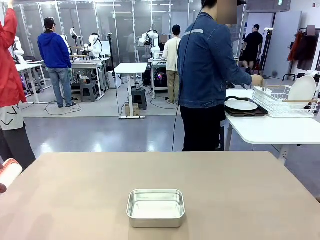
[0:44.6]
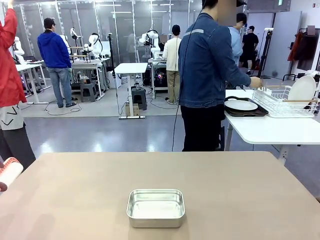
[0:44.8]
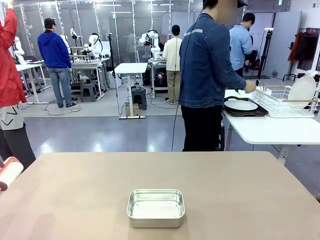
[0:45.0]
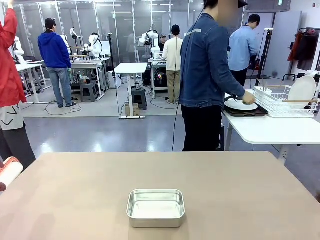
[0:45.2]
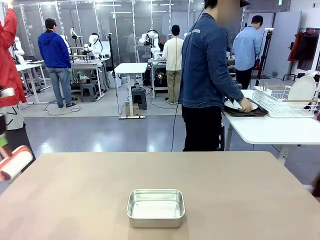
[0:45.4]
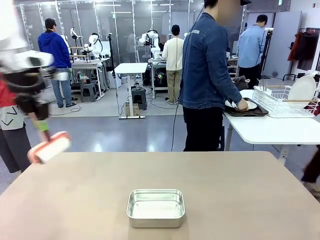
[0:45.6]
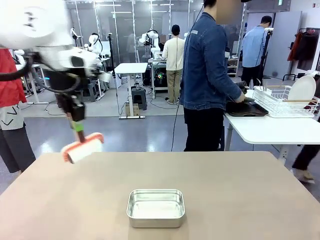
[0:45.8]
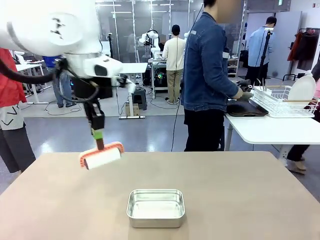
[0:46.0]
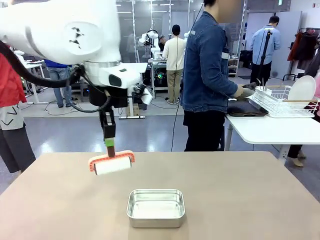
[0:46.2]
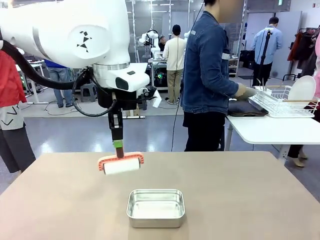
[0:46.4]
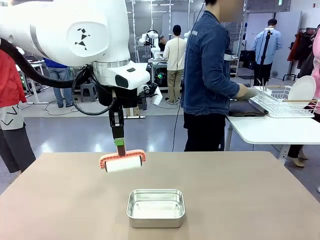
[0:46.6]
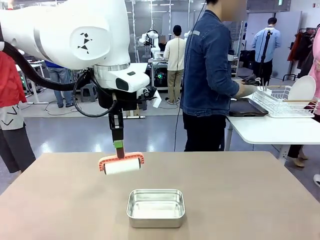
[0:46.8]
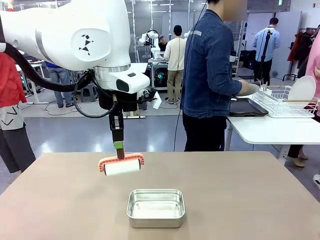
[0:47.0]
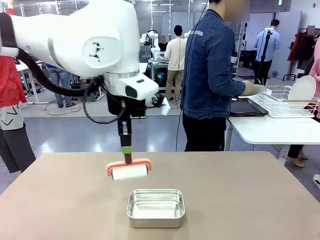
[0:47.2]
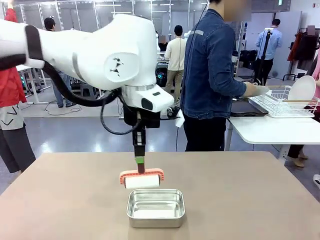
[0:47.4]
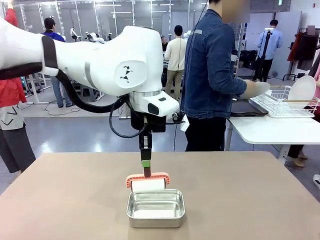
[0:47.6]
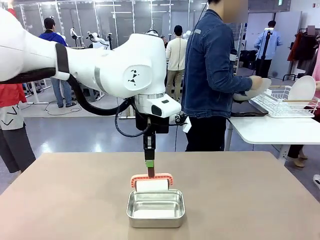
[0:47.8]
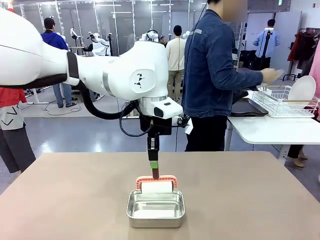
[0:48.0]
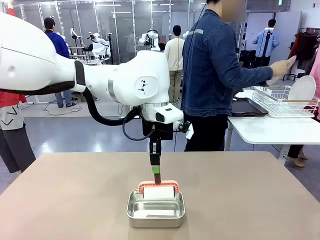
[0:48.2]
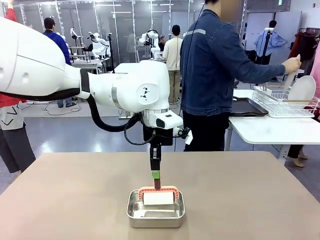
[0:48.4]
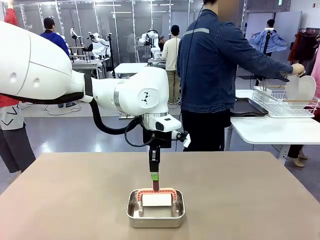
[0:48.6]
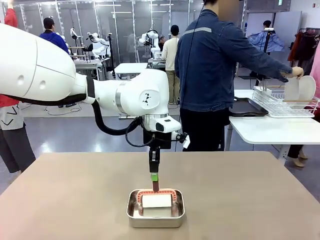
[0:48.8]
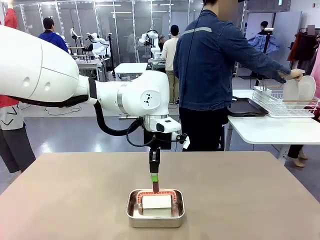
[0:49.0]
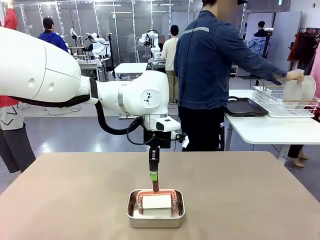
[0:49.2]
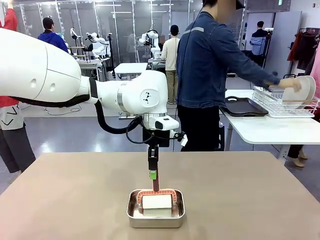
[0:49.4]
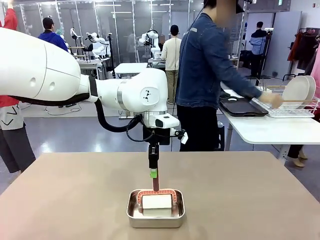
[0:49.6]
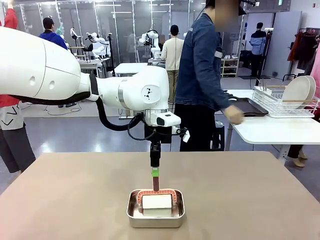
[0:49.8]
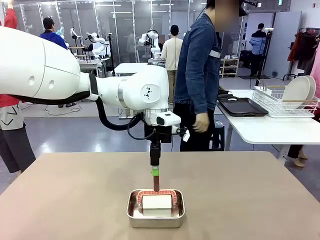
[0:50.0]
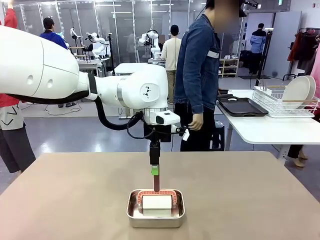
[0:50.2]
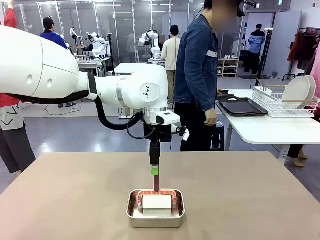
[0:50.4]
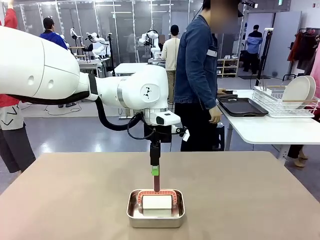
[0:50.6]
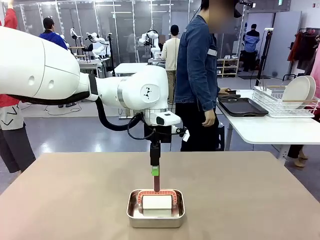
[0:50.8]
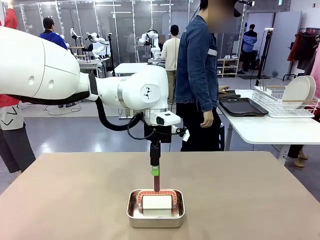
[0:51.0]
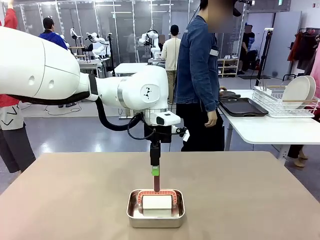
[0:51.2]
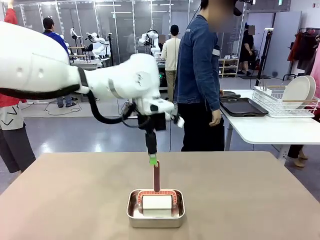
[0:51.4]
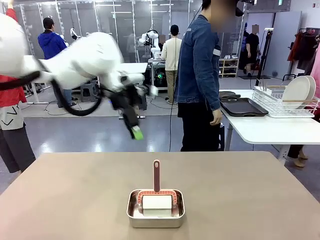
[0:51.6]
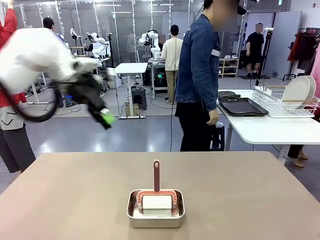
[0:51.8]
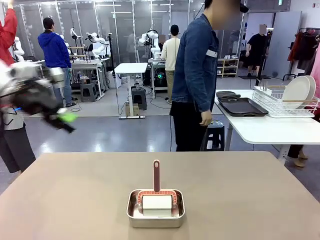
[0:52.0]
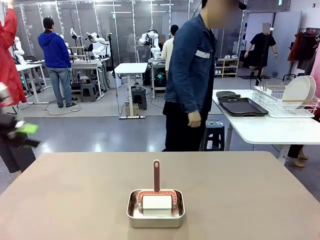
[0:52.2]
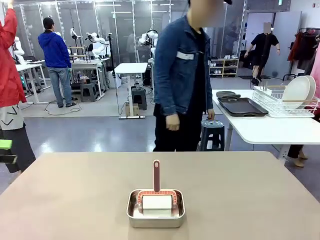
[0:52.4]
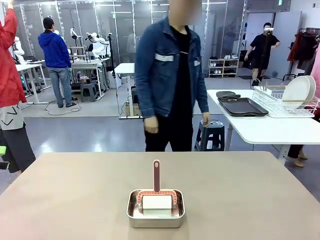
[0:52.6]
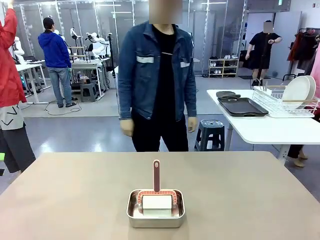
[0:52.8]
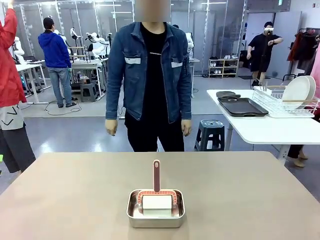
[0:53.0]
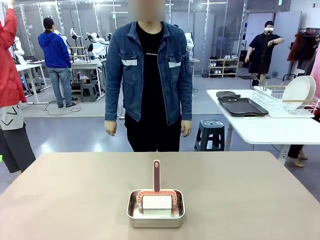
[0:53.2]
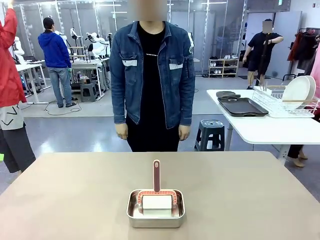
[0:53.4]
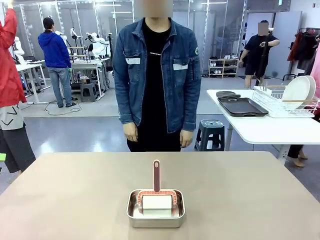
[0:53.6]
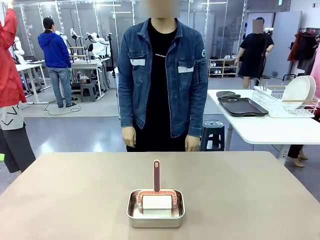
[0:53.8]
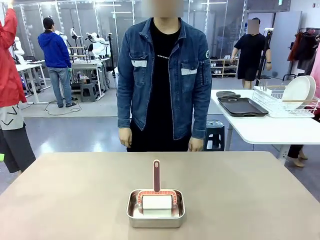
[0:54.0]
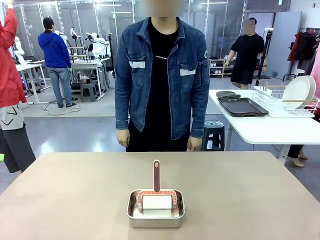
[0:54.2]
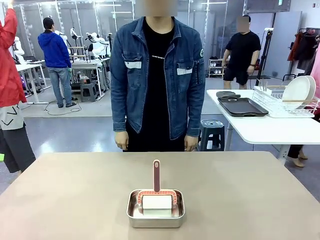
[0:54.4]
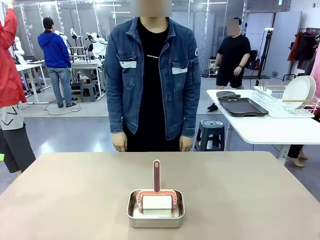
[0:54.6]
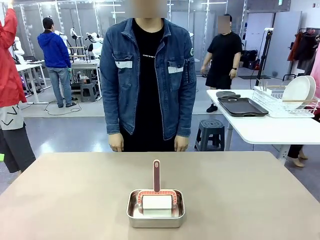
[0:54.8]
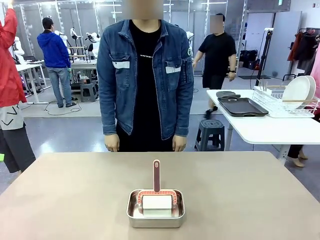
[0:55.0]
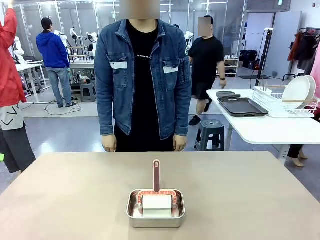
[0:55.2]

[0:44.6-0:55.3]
Robot: Place the Lint Roller back on top of the Airtight Container.
Person: Use the Towel with hook to wipe the Plastic Matte Plate , Fork , and Knife and place into the Dish drying rack.

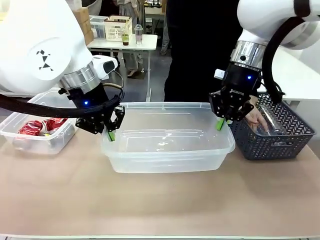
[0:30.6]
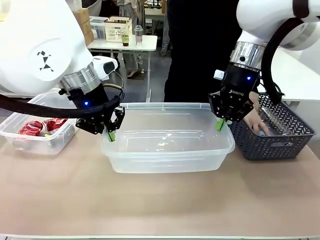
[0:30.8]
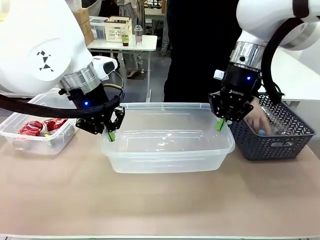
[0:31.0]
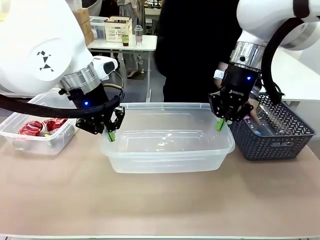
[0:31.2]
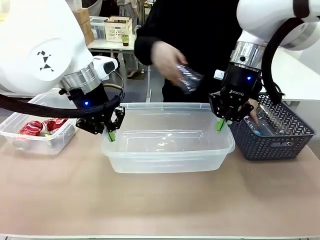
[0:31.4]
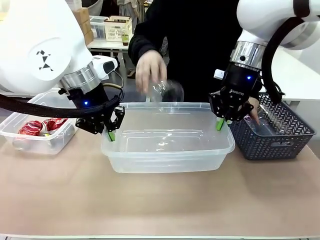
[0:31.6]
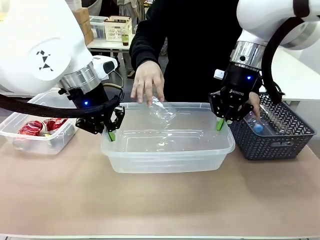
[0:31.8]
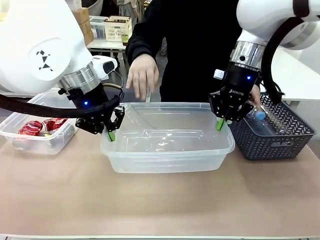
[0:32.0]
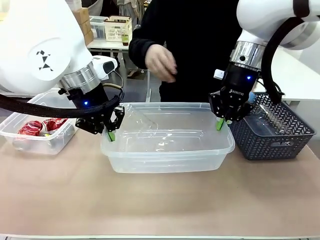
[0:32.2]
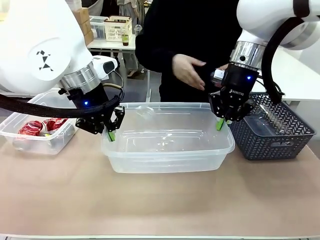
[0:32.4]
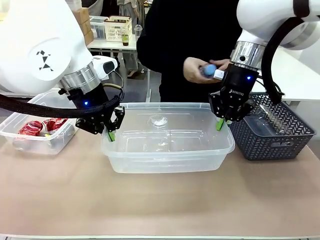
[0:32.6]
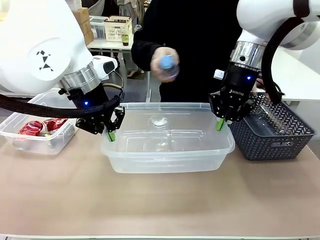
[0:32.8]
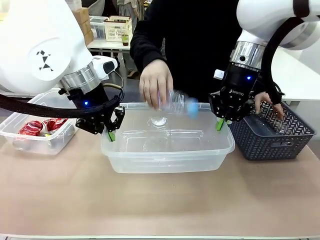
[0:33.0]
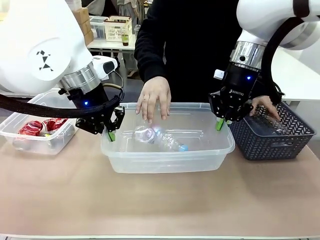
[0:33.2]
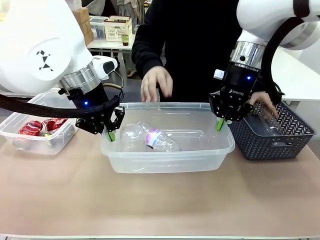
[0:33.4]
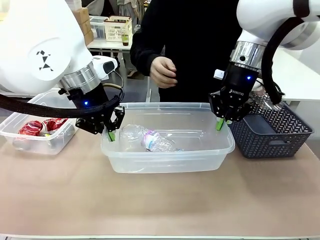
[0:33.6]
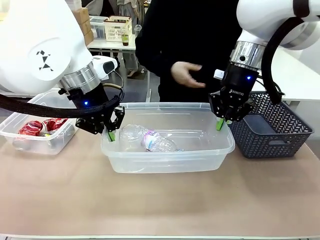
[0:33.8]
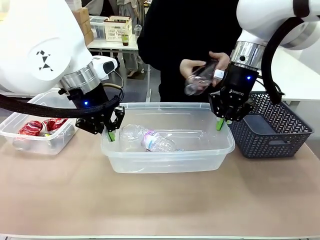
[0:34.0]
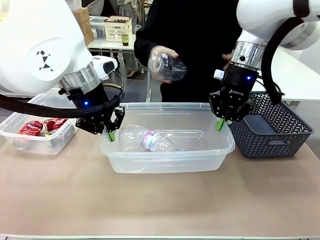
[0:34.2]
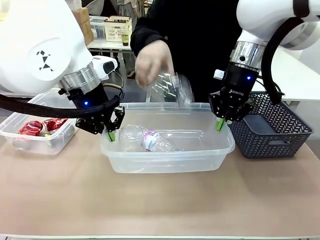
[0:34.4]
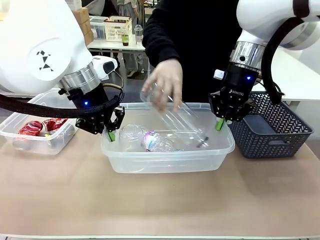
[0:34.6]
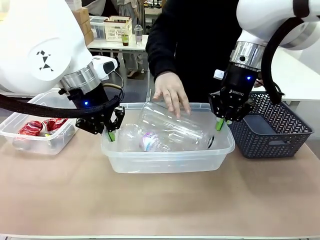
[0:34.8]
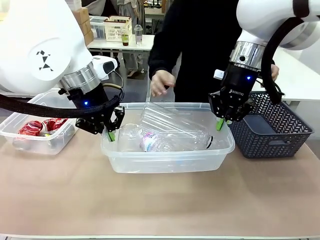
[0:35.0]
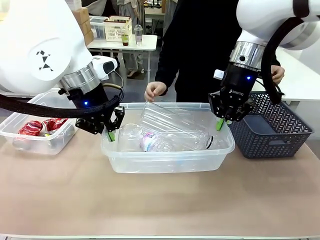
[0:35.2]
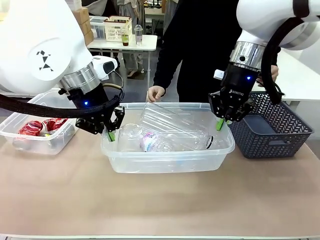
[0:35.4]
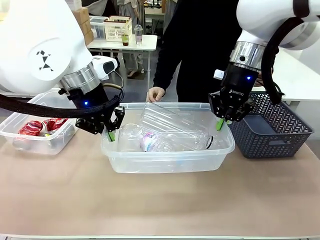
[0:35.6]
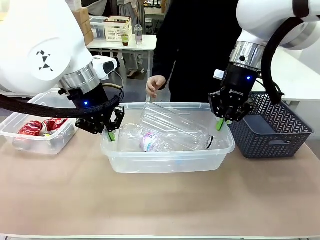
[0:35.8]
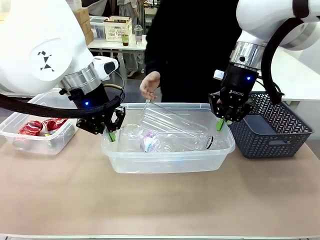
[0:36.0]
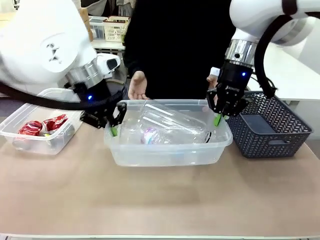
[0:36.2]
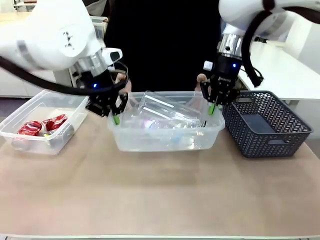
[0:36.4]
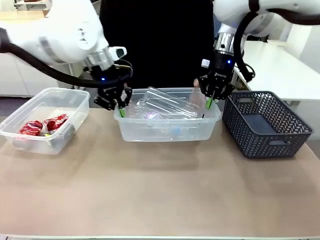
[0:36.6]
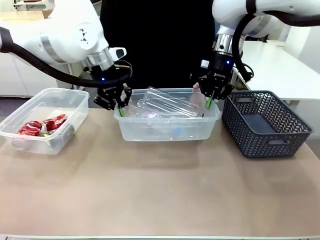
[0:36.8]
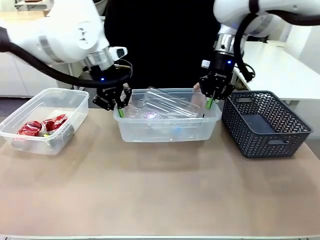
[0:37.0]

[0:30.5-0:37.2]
Robot: Offer the picked Organizing box to the human.

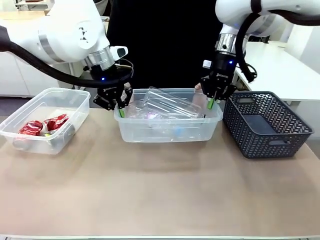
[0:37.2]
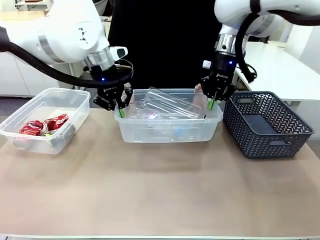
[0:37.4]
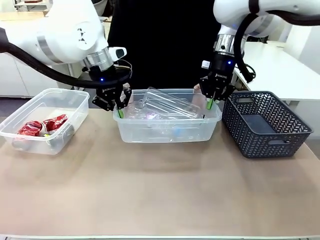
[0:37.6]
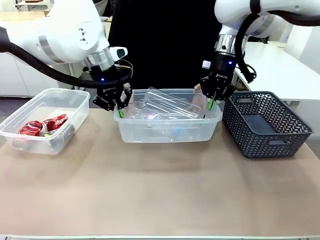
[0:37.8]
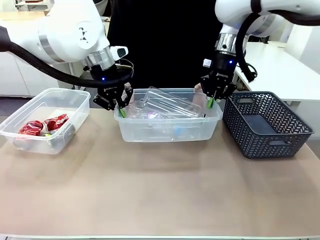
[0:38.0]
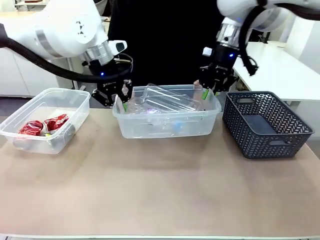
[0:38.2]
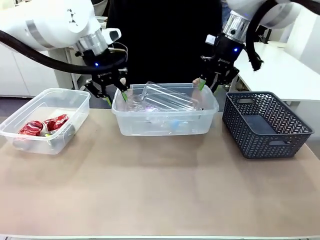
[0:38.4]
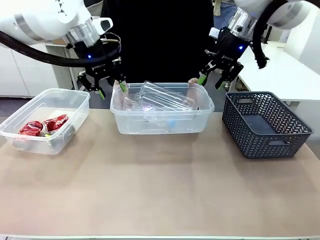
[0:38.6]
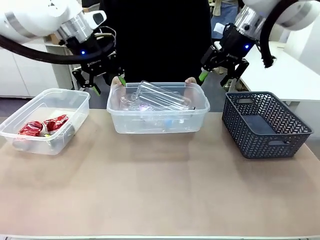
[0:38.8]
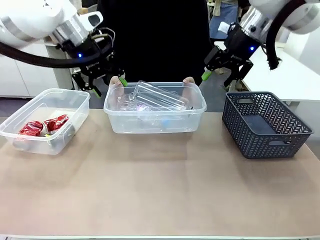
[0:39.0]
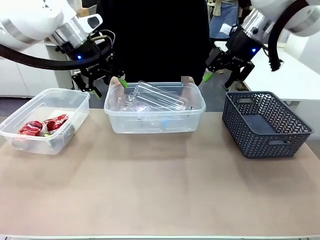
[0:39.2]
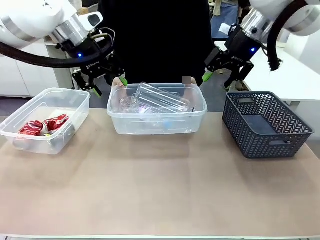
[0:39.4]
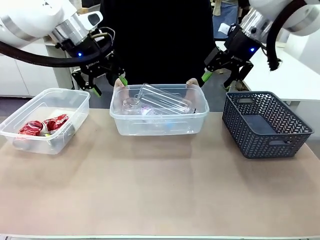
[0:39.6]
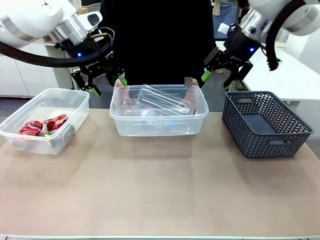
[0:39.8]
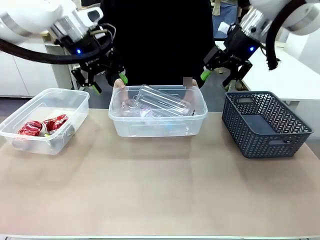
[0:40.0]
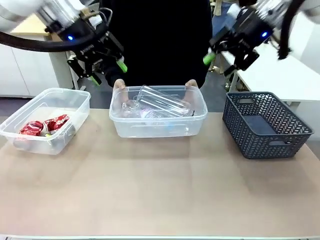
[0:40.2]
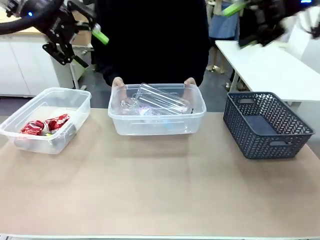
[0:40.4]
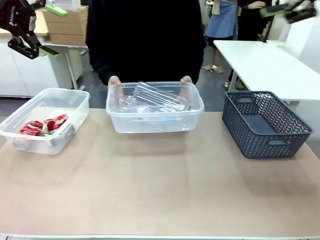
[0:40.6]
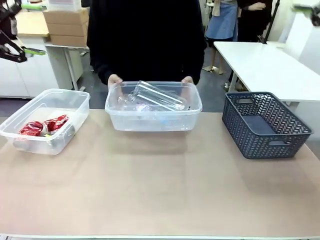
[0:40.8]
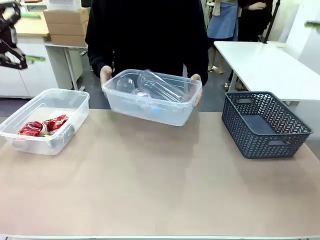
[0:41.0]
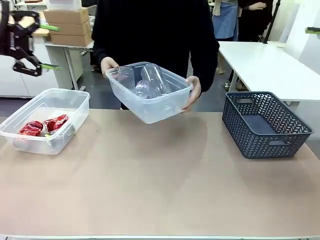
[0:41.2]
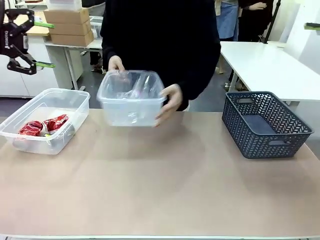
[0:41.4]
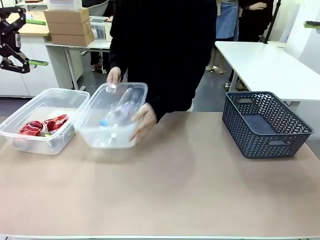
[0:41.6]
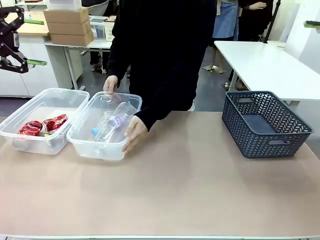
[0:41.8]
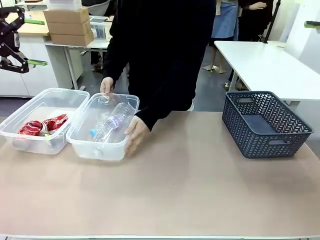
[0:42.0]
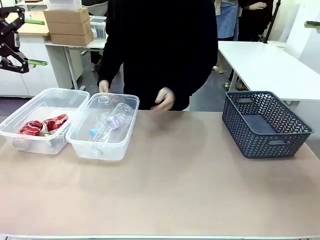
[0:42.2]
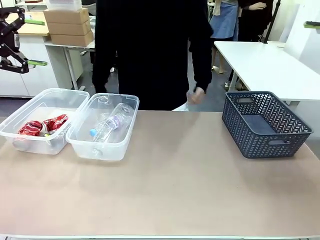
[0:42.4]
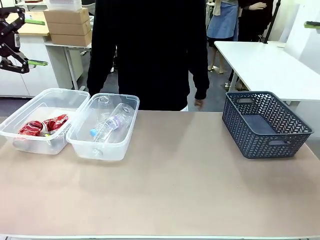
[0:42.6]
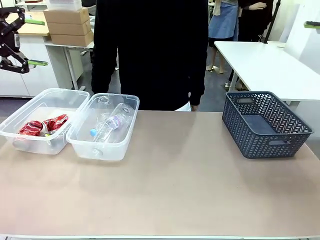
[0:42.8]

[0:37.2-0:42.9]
Robot: Release the Organizing box you were holding.
Person: Pick up the organizing box extended by the robot. Place the organizing box to the left of the sorting box containing the can waste.
